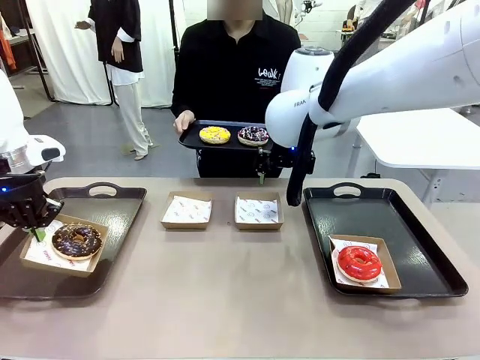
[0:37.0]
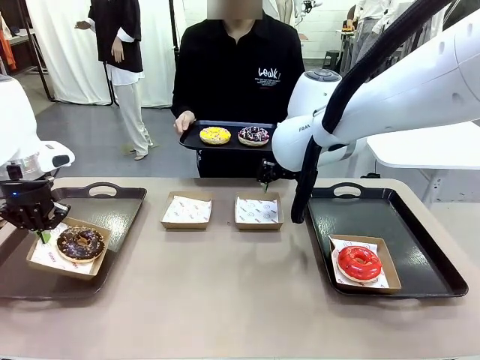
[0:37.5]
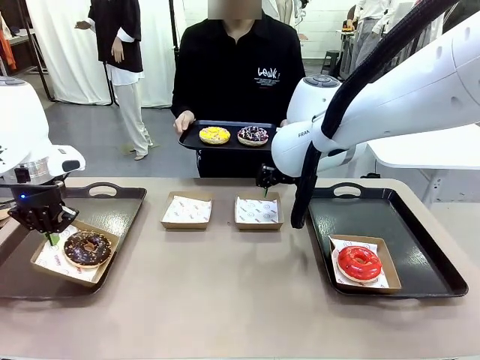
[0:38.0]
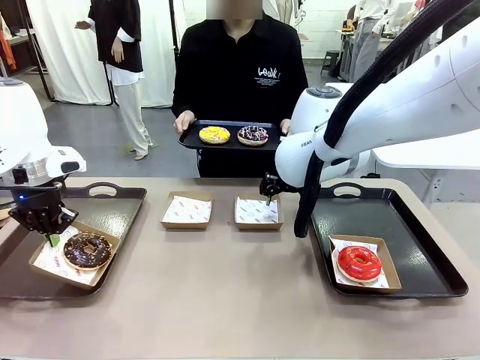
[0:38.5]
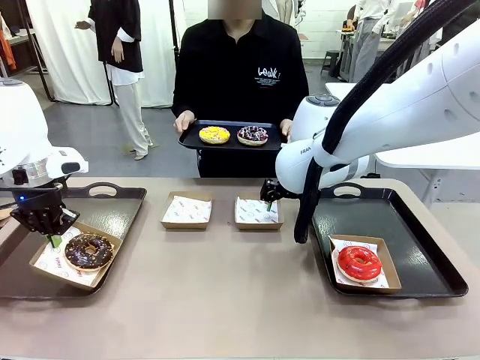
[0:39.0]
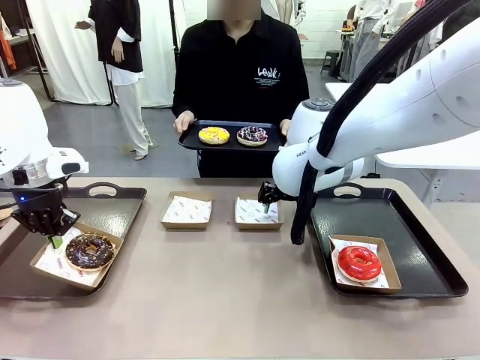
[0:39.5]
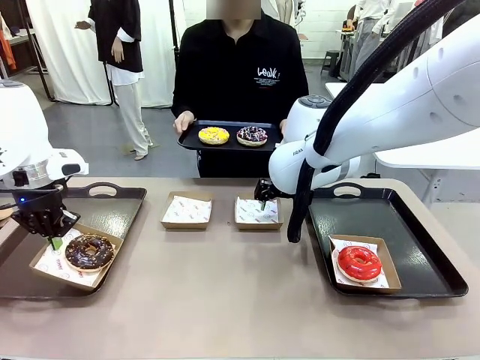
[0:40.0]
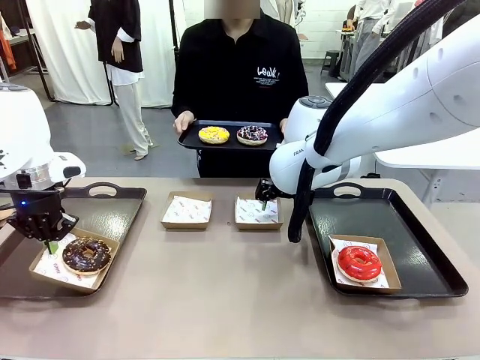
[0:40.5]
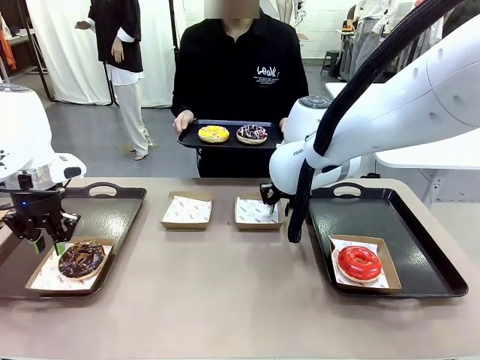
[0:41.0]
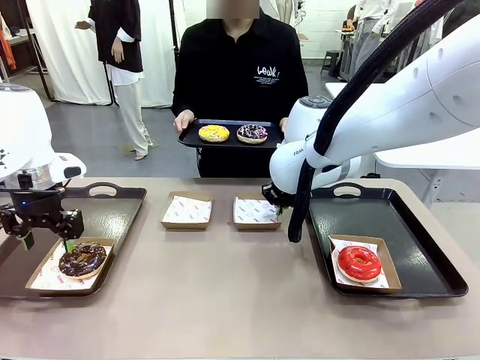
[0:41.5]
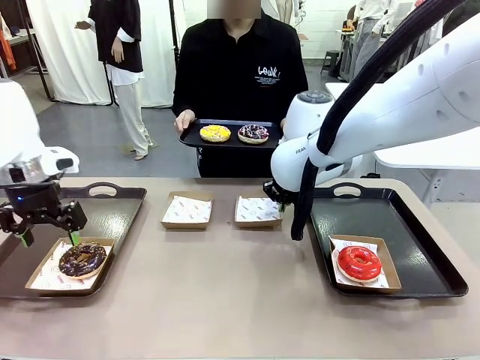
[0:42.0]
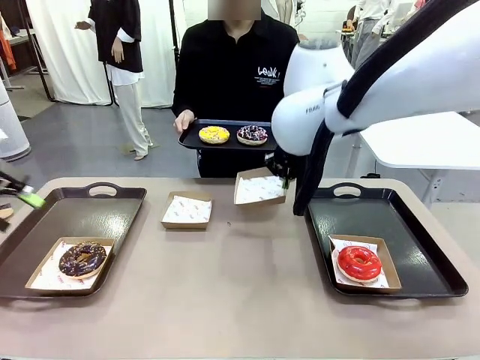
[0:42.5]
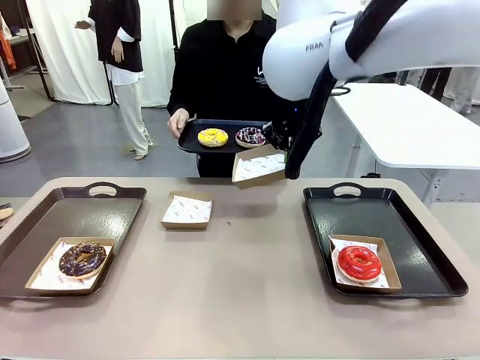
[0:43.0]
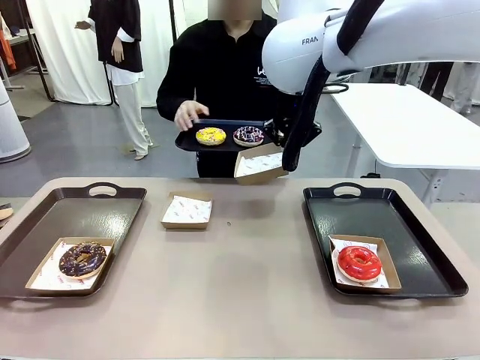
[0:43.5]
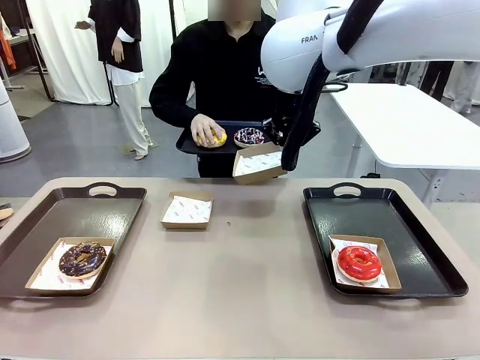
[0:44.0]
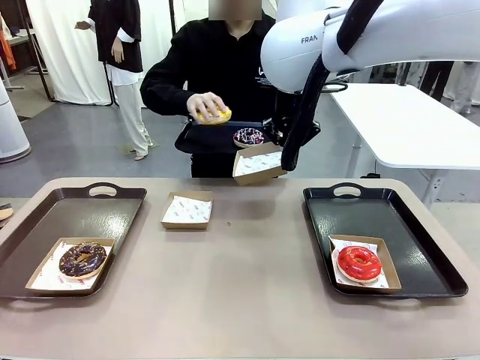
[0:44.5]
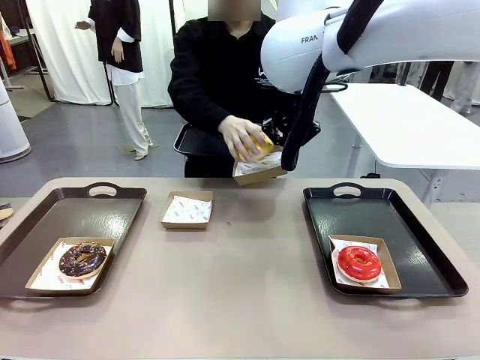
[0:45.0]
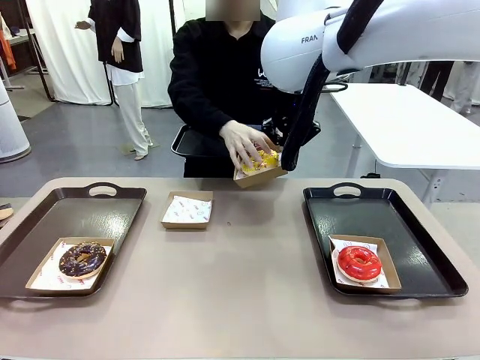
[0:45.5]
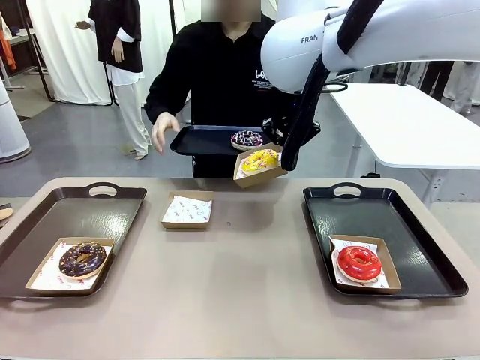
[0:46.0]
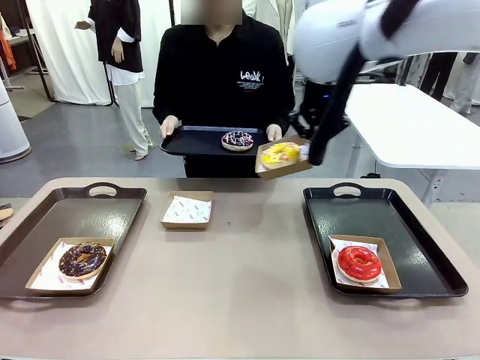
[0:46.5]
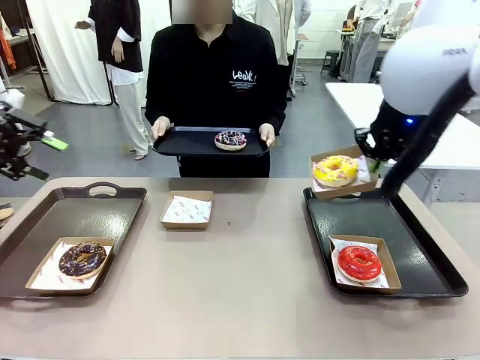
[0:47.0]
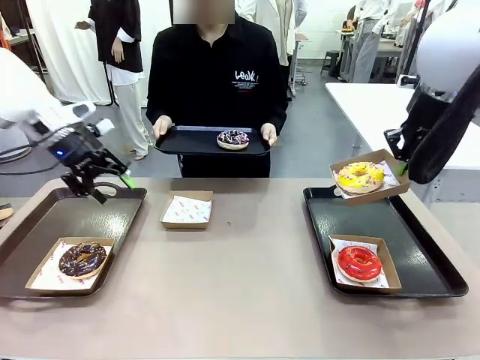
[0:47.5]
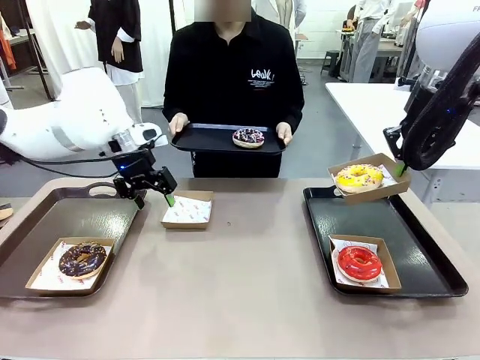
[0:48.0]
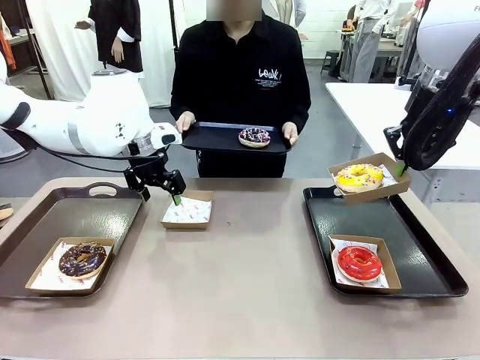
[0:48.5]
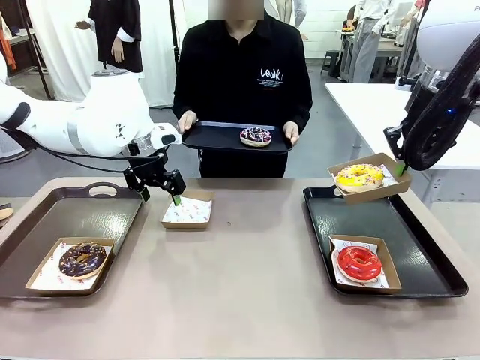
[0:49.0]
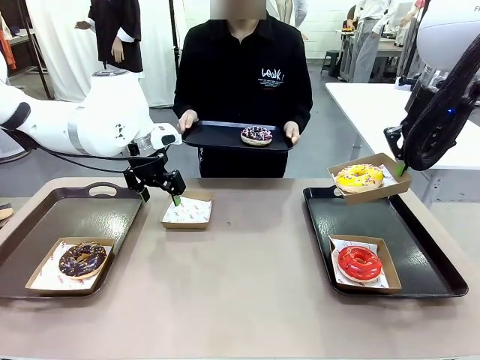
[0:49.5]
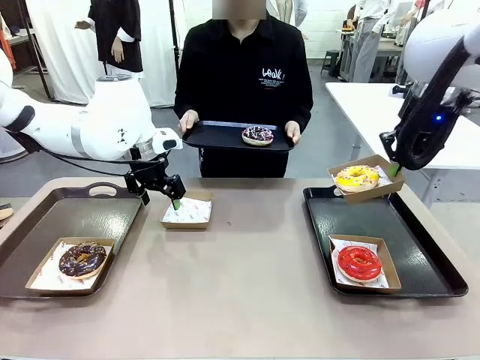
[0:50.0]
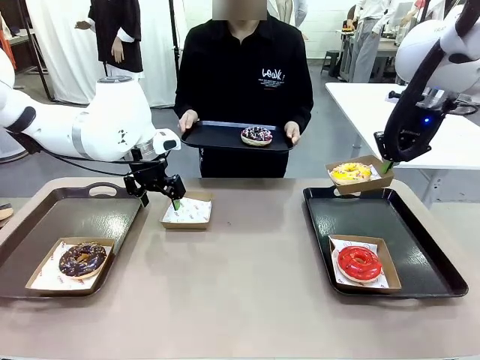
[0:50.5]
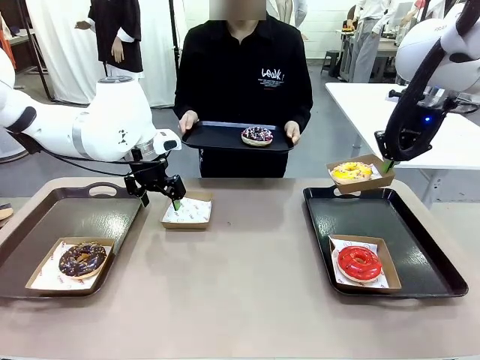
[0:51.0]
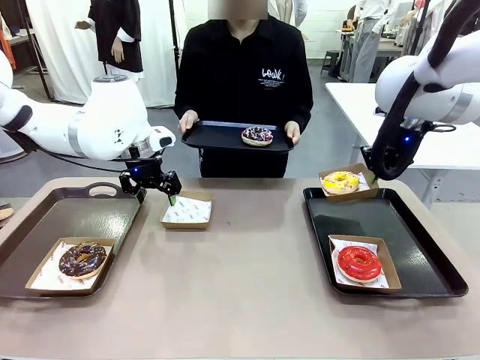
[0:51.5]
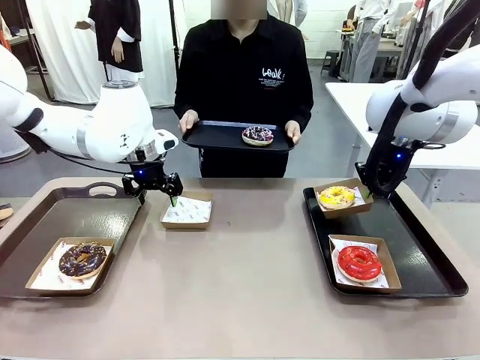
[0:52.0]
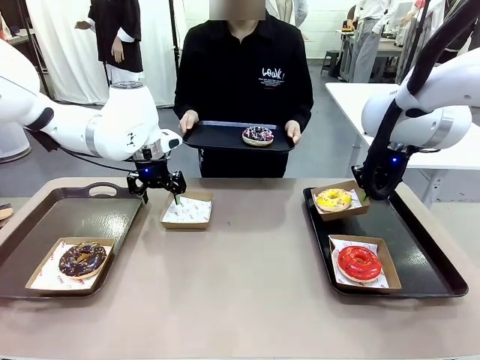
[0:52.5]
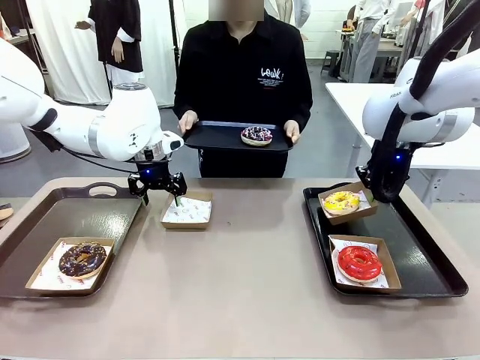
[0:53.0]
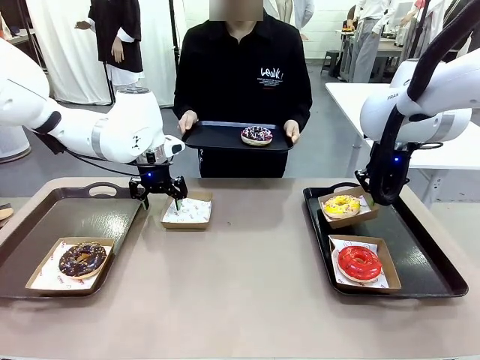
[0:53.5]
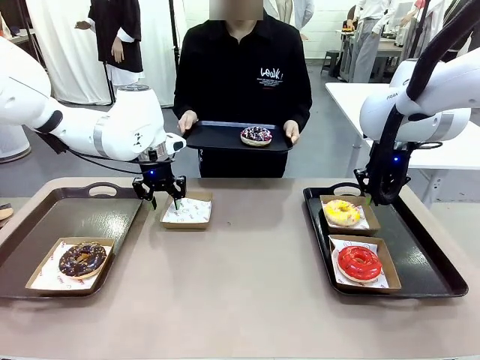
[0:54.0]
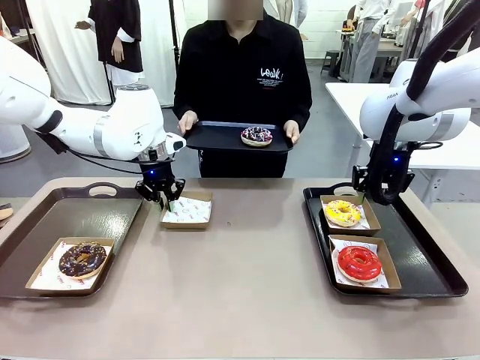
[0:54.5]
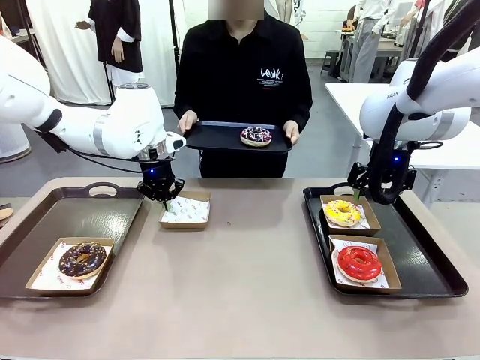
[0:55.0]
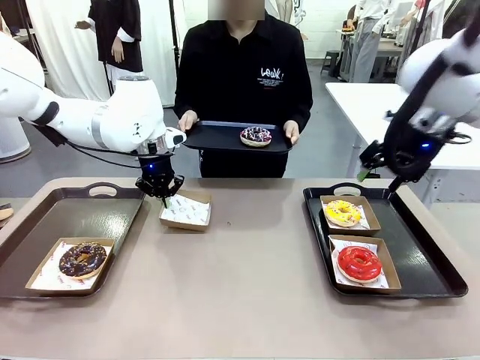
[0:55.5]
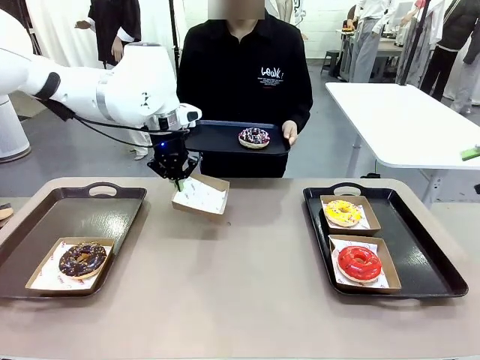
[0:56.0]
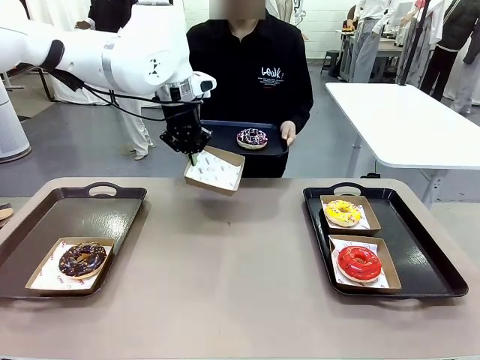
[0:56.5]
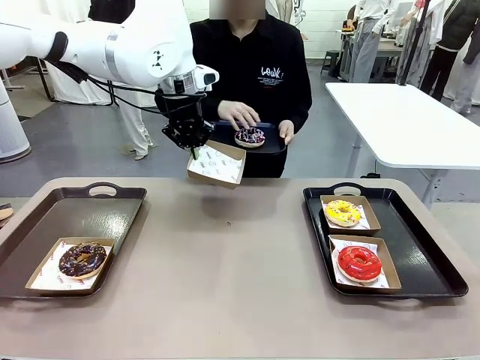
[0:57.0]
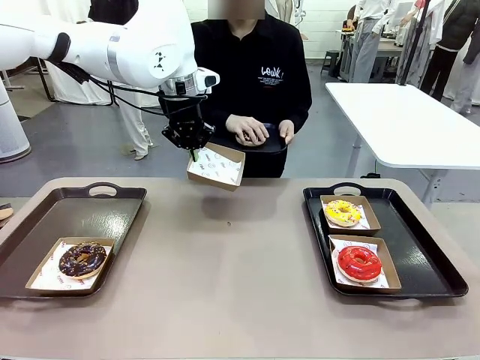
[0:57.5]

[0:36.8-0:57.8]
Task: Individually package the donuts and arrange them on the tray.
Robot: Place the picked Paper togo box on the Handle tray while simultaneously picking up another Paper togo box from the table with the other hand.

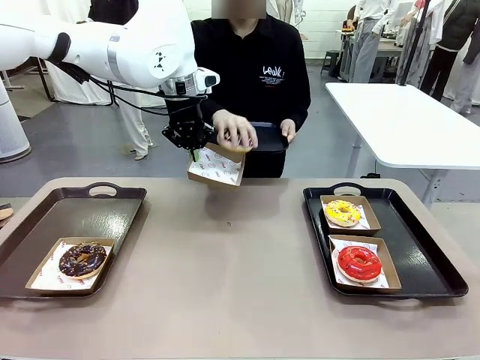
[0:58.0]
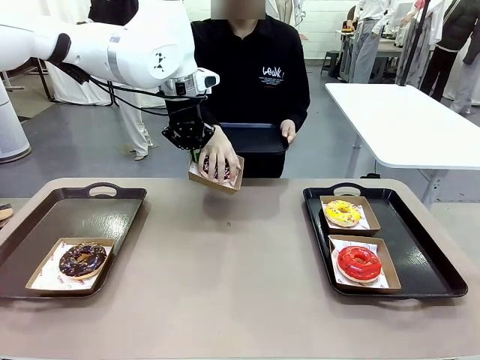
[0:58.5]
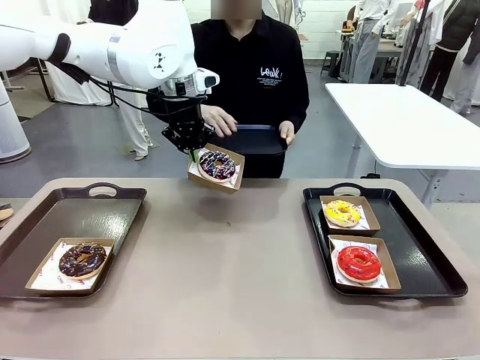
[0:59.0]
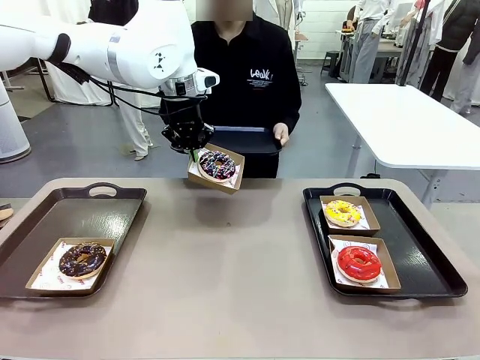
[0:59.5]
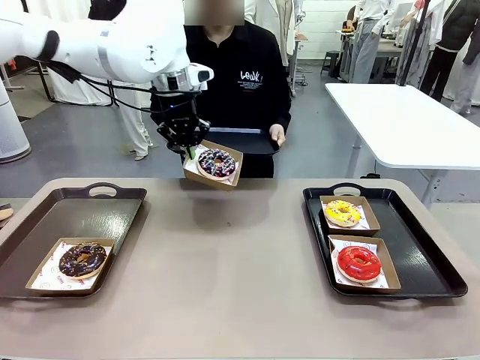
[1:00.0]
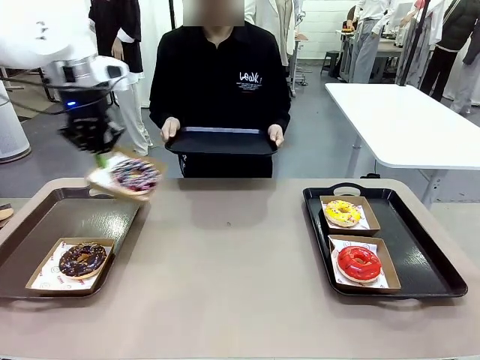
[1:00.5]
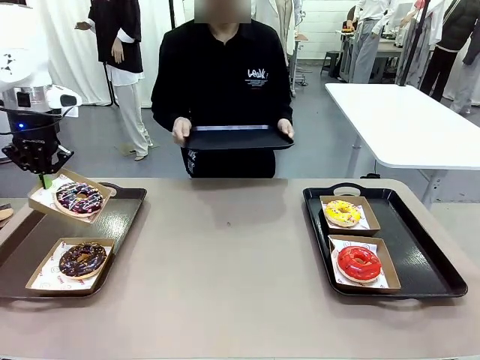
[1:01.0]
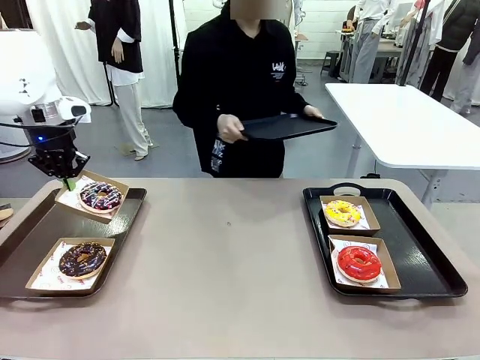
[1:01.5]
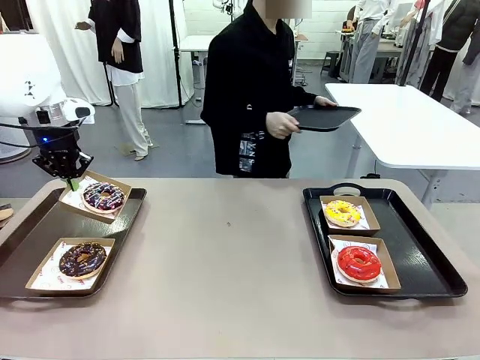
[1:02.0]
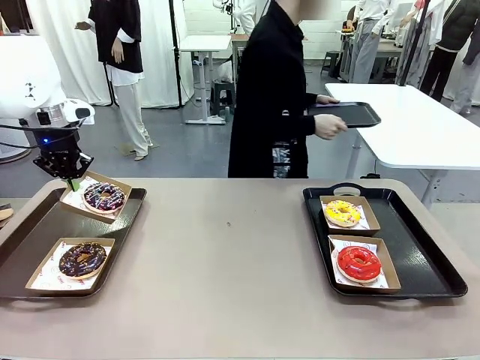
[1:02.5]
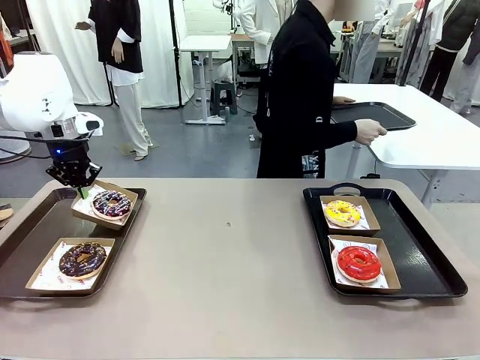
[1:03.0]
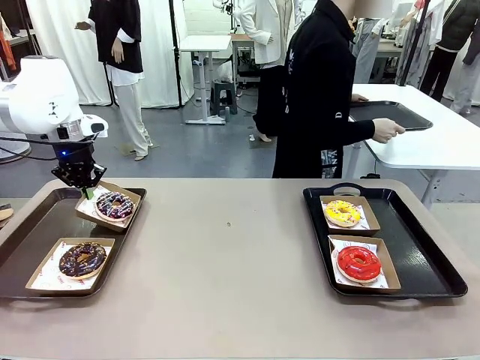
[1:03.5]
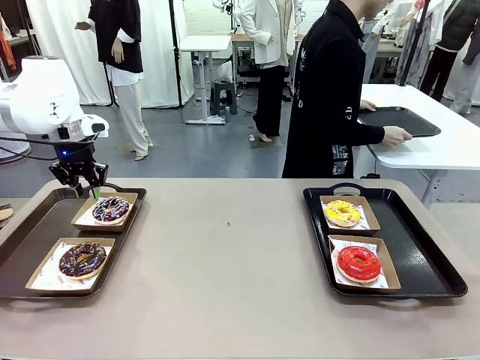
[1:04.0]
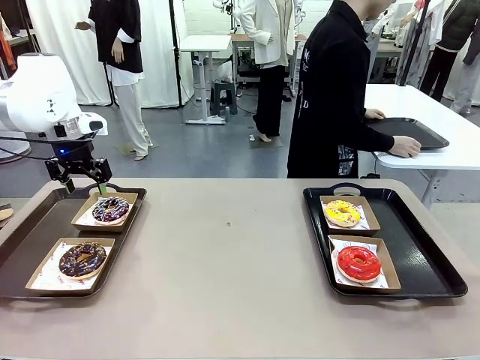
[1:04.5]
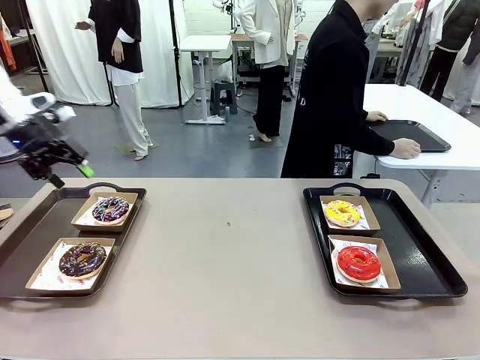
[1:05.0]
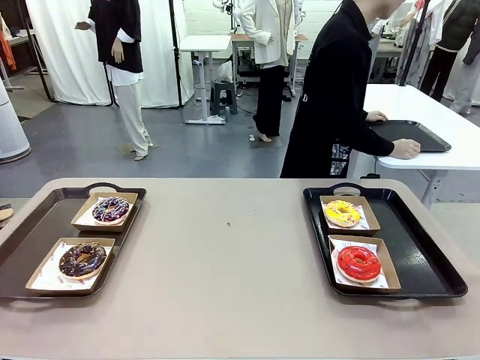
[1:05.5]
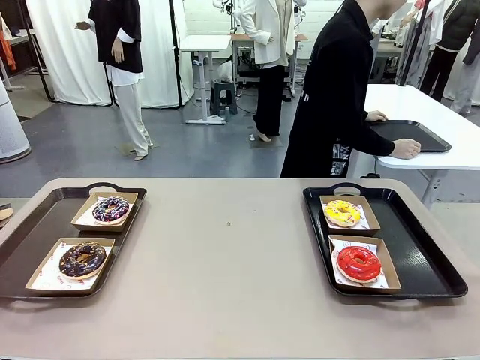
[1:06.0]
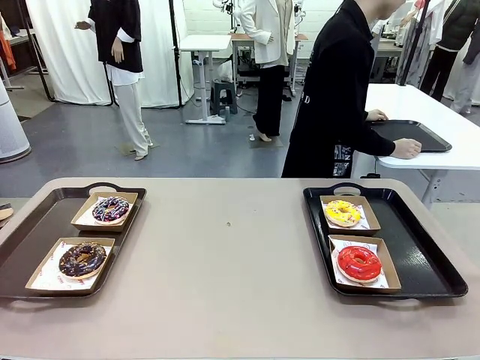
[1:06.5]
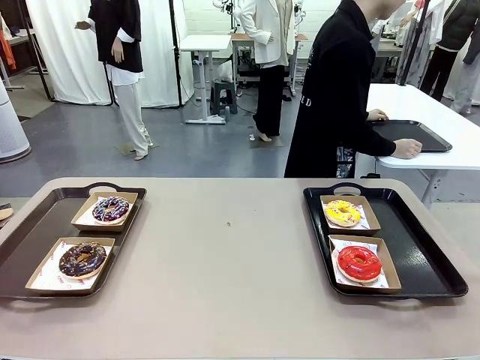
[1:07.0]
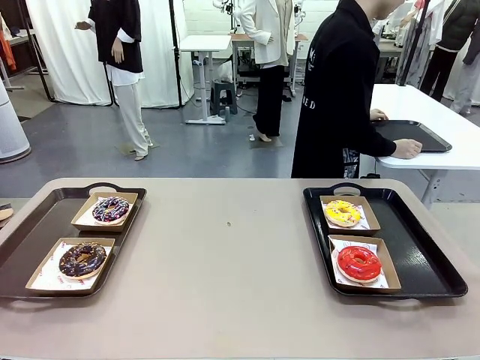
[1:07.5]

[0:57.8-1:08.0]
Robot: Place the picked Paper togo box on the Handle tray.
Person: Place the tray down in the middle of the human table.
